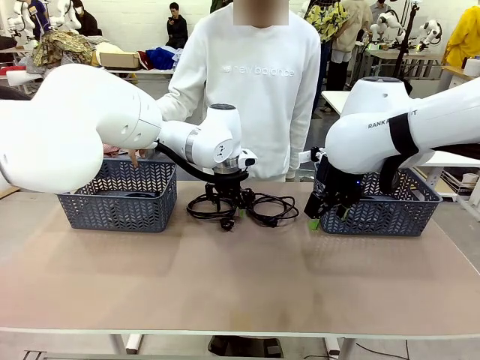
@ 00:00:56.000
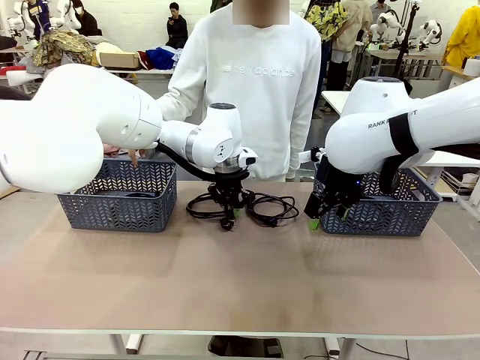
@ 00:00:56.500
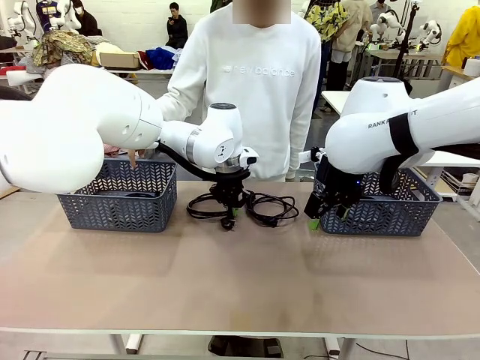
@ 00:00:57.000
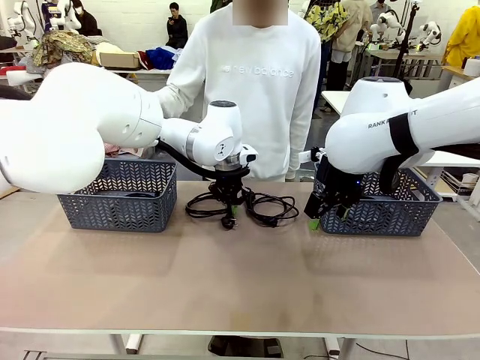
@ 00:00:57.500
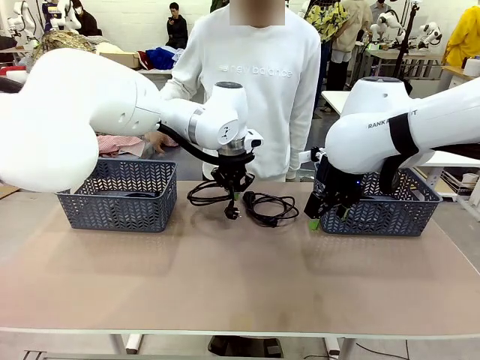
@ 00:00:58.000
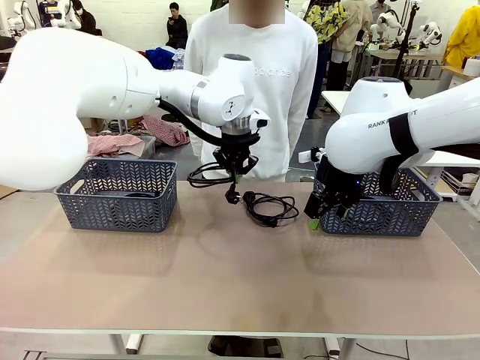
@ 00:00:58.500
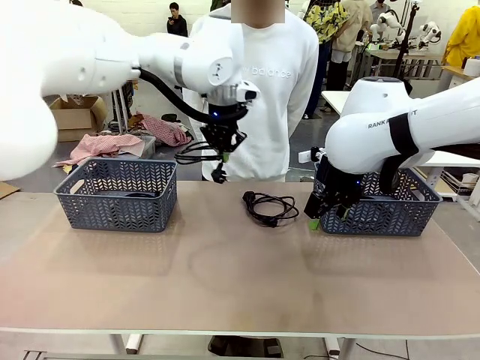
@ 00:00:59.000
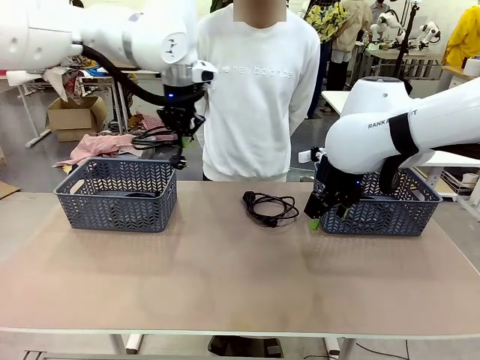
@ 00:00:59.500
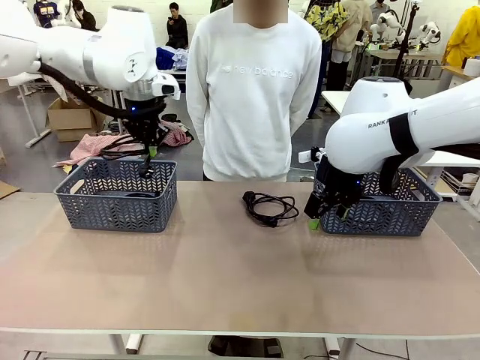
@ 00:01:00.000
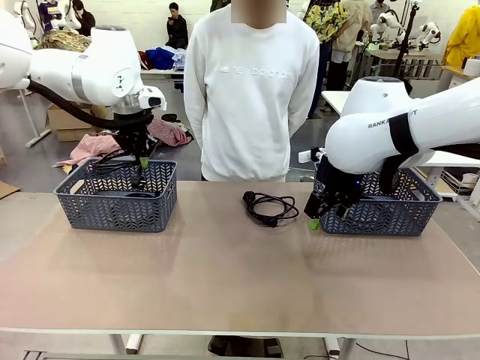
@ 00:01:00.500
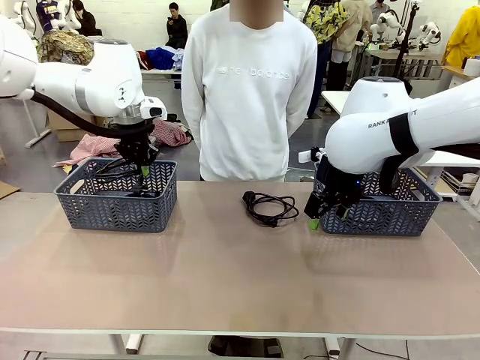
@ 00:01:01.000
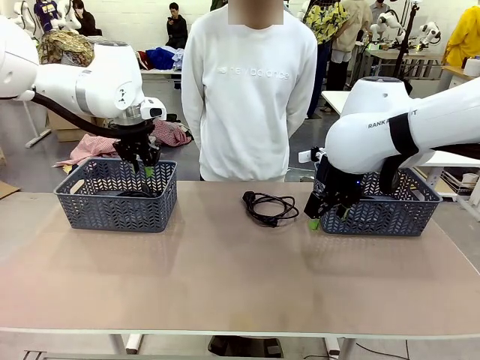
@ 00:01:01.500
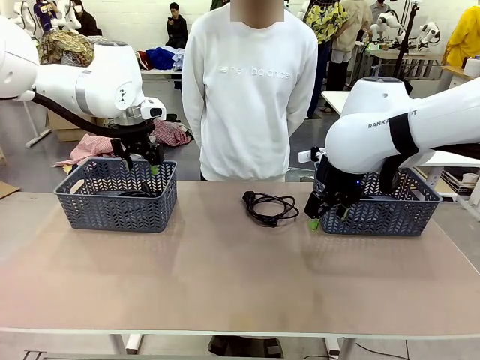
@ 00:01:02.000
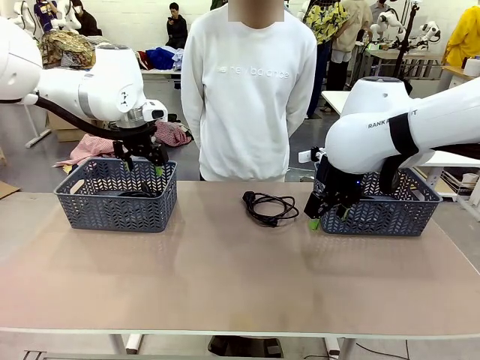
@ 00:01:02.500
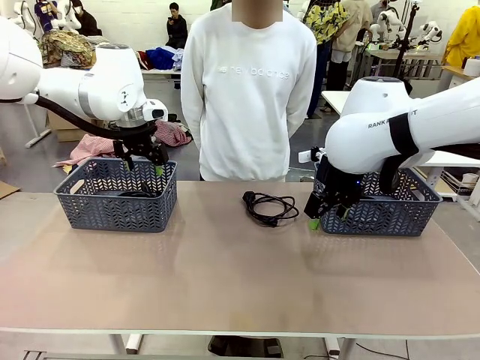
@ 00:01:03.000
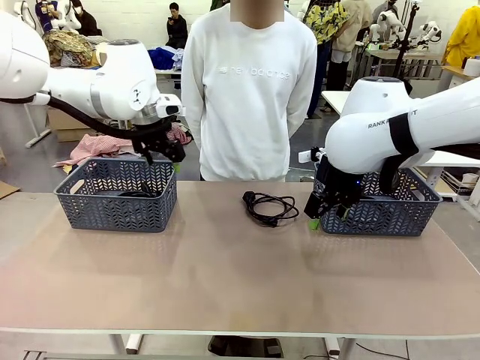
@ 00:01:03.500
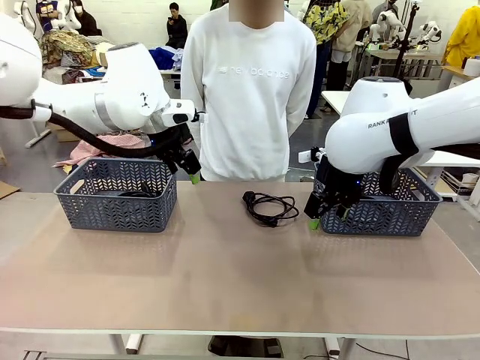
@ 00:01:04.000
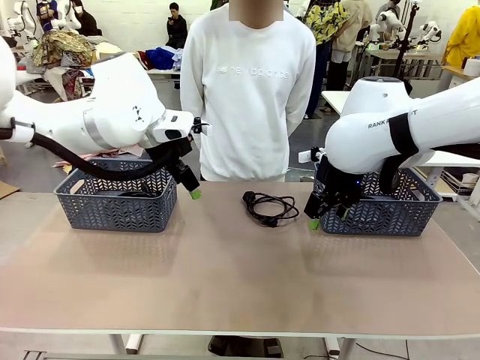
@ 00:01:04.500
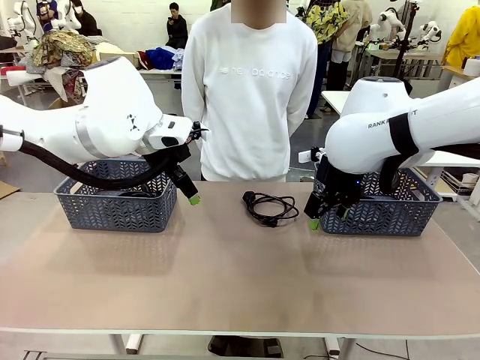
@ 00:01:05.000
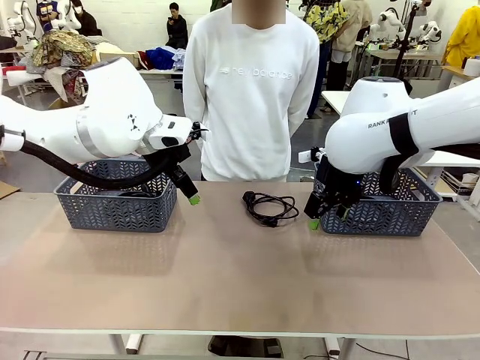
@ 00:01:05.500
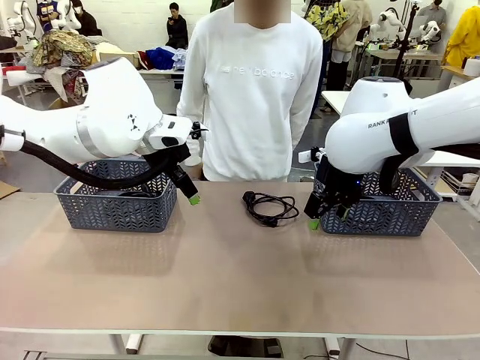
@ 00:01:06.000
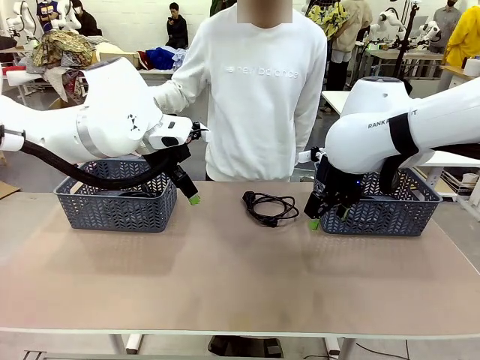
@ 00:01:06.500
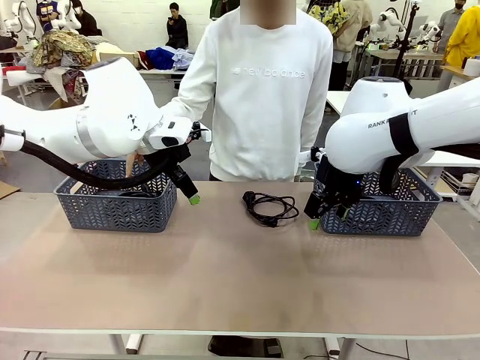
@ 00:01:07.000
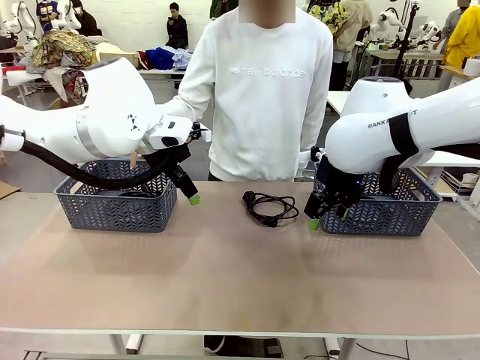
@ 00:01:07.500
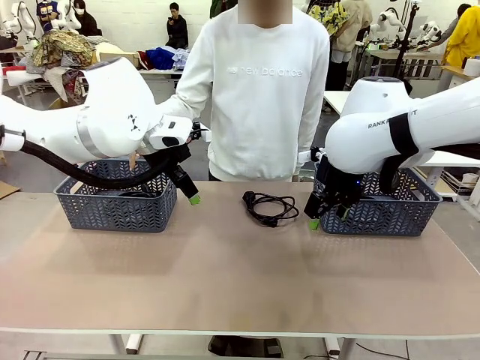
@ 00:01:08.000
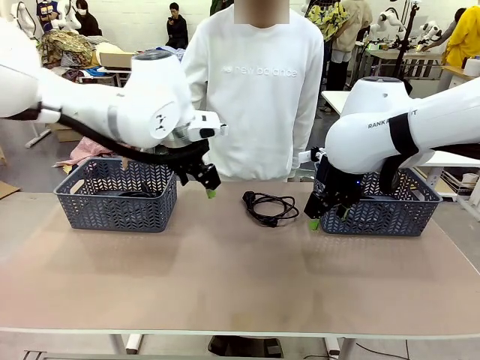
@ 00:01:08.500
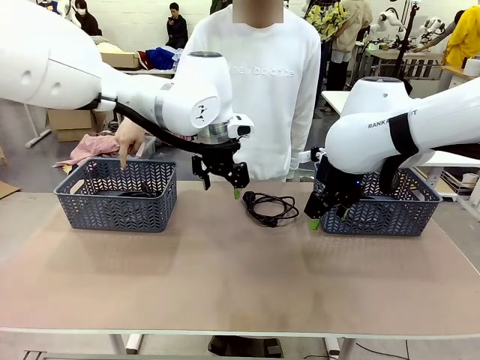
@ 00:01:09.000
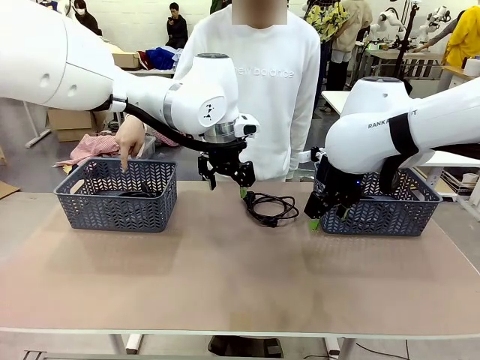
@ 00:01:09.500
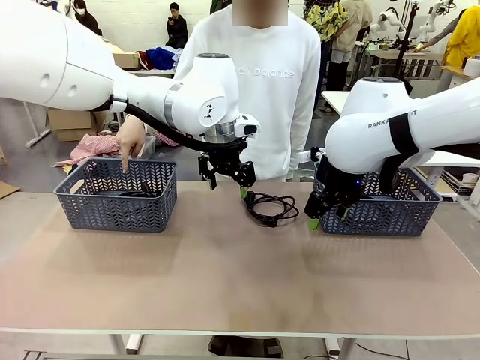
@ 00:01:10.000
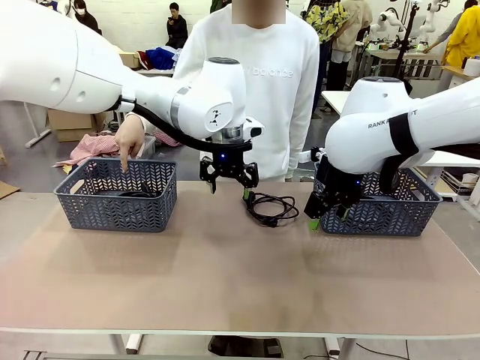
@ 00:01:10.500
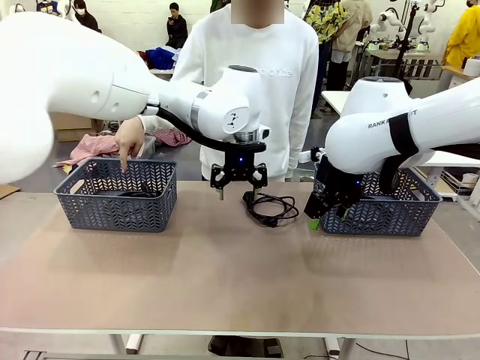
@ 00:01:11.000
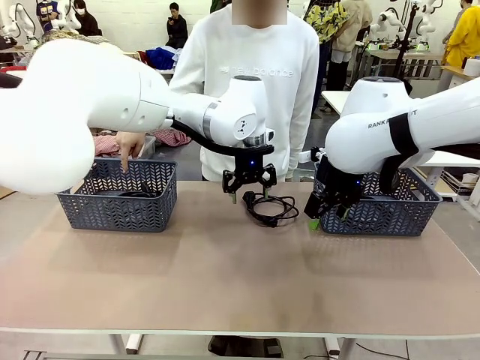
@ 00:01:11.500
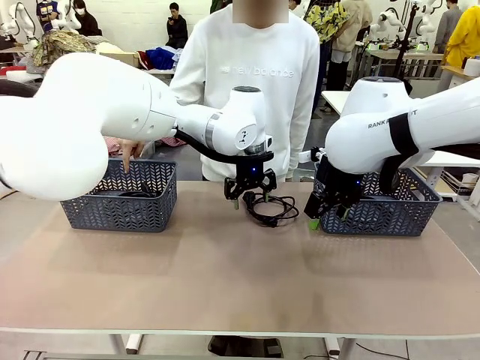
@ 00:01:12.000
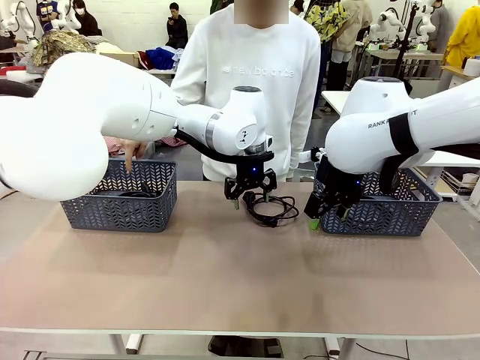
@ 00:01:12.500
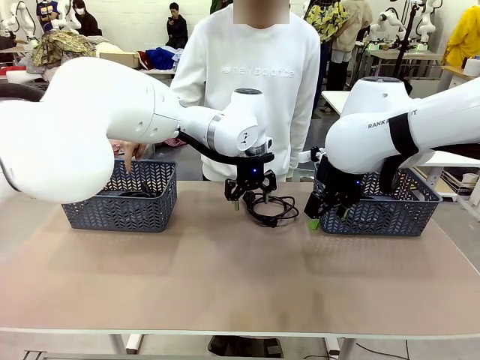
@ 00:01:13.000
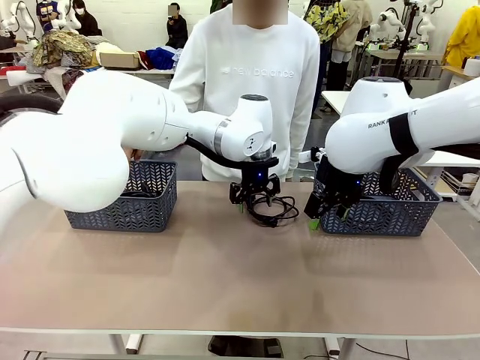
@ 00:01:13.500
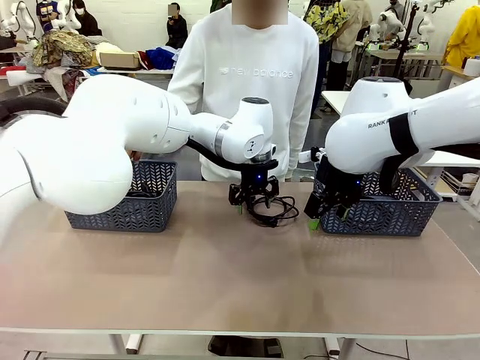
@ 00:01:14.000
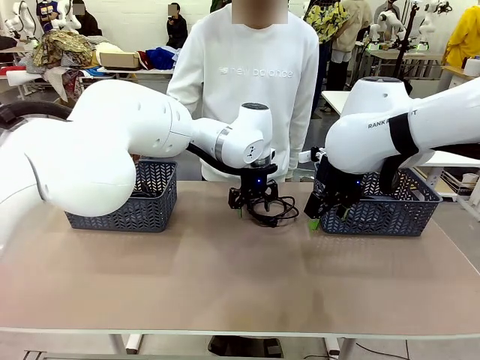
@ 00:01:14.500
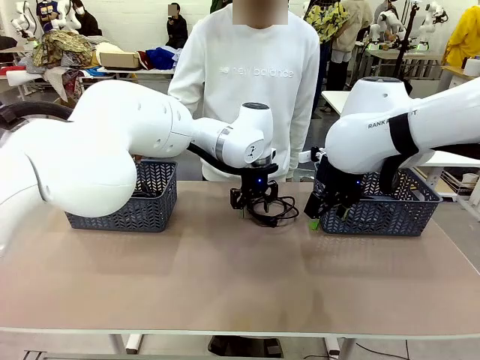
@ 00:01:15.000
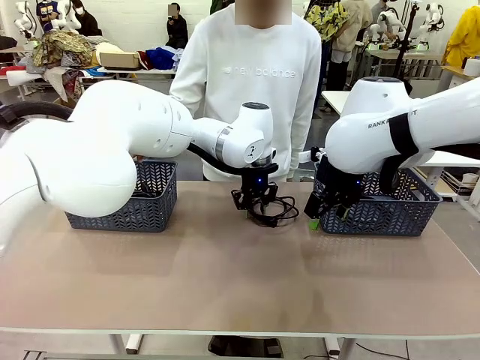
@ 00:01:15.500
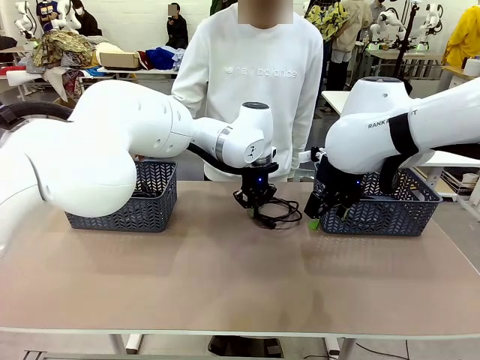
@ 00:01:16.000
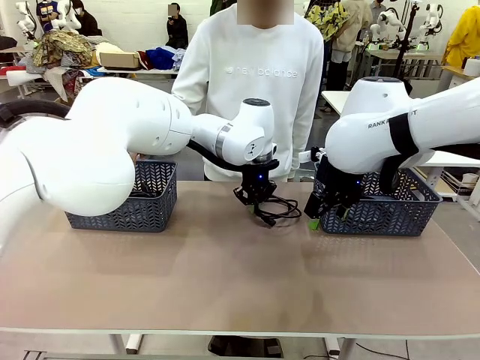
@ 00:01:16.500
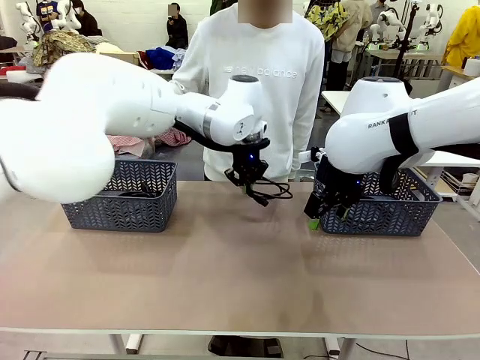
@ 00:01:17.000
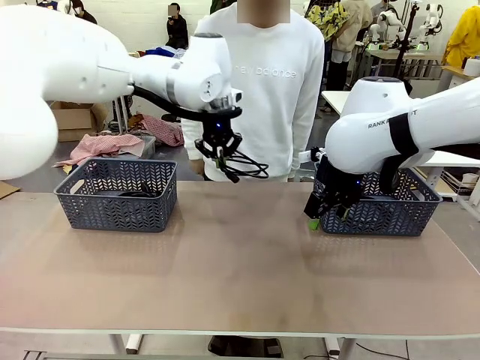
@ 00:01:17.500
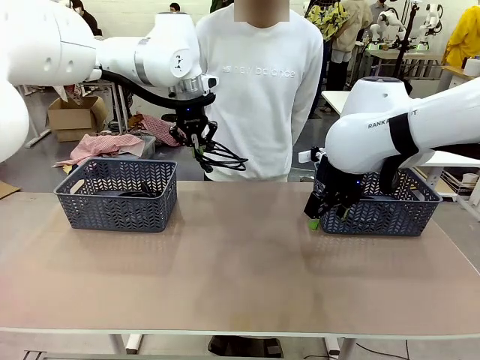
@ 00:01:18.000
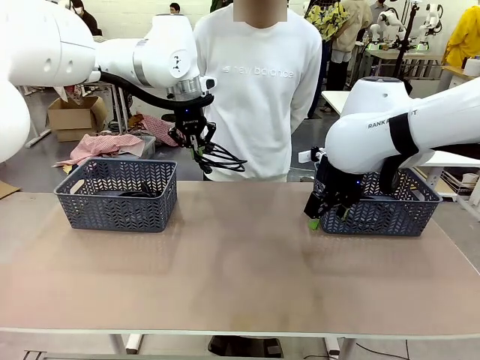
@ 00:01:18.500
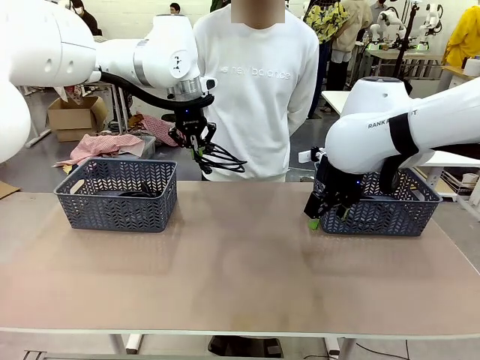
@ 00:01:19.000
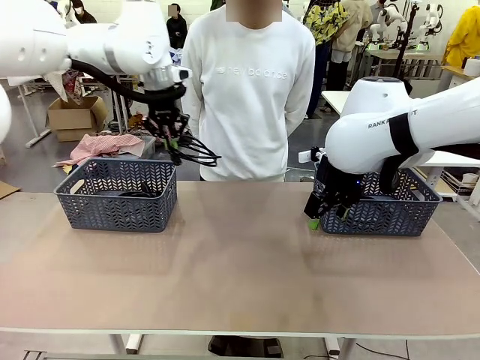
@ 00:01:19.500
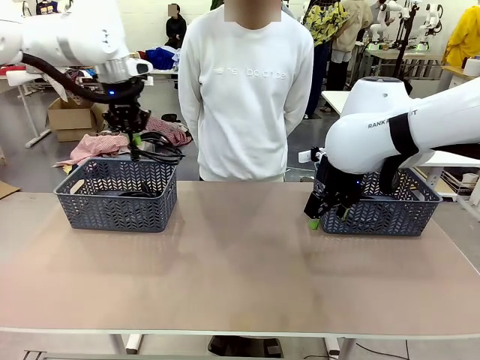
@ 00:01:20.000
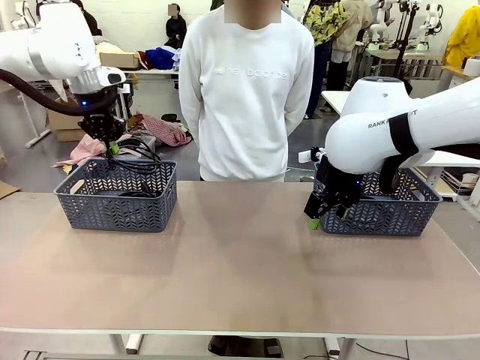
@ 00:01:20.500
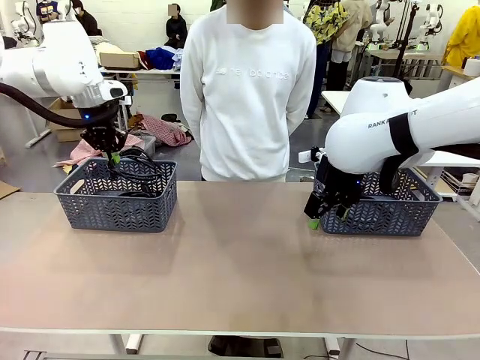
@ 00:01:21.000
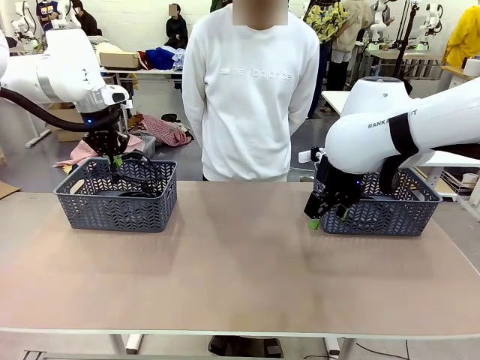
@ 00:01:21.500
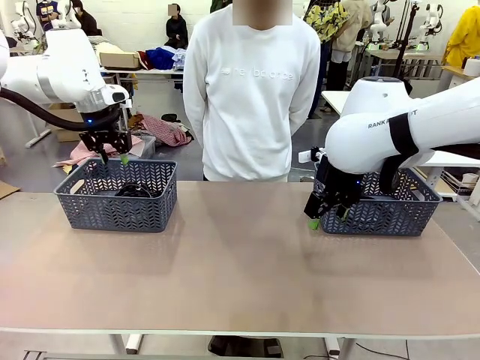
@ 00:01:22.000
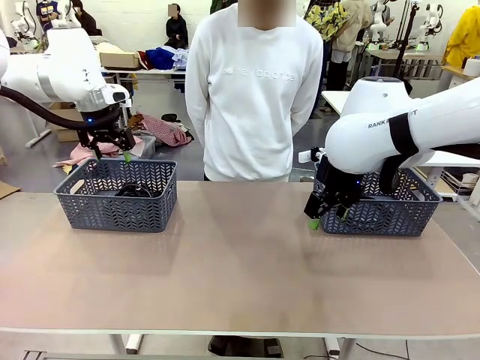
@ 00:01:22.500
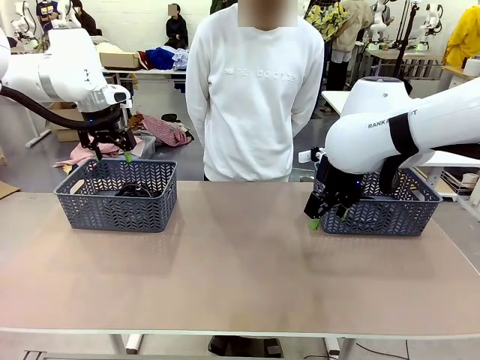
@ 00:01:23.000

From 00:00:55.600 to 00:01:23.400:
Task: Organize the cables according to human instructions.
Robot: Pick up a bundle of cables and place it in the basket indicated by the human.
